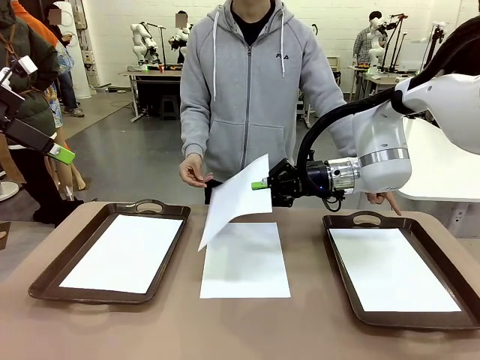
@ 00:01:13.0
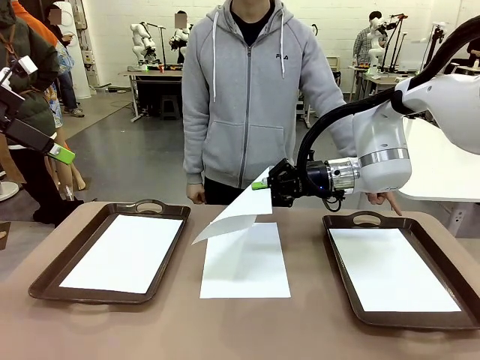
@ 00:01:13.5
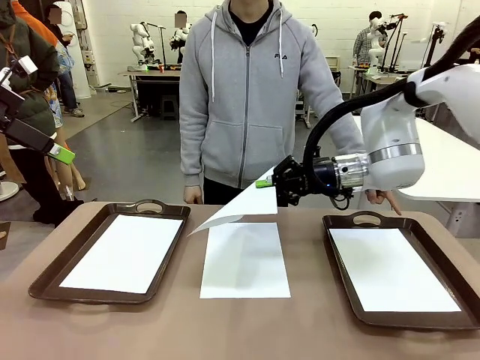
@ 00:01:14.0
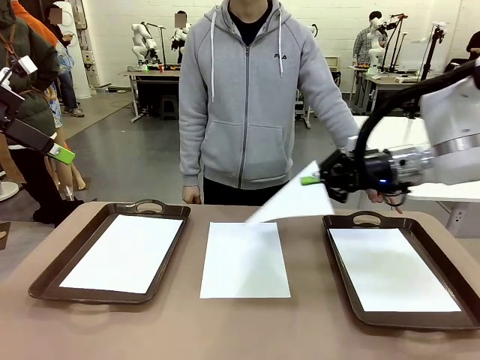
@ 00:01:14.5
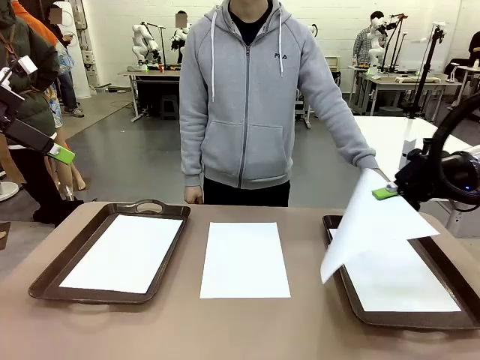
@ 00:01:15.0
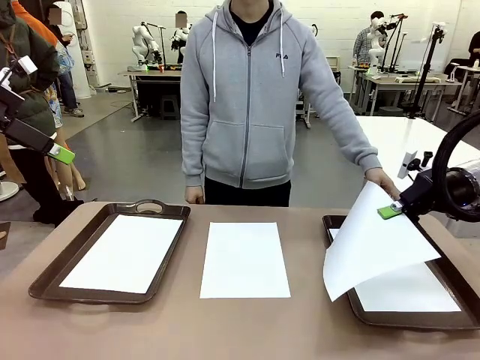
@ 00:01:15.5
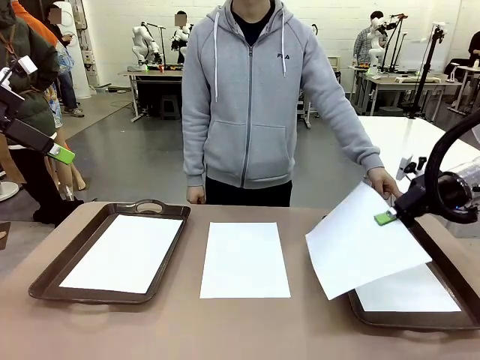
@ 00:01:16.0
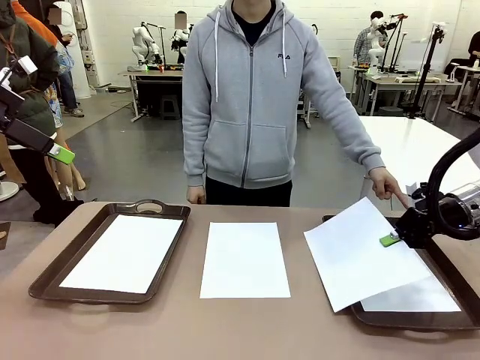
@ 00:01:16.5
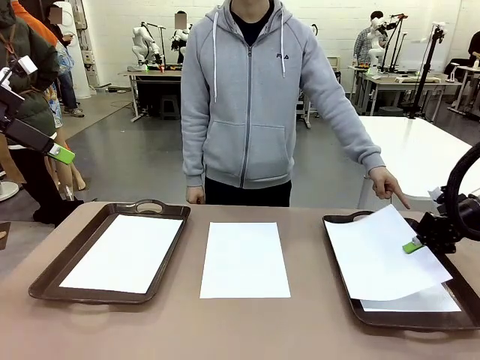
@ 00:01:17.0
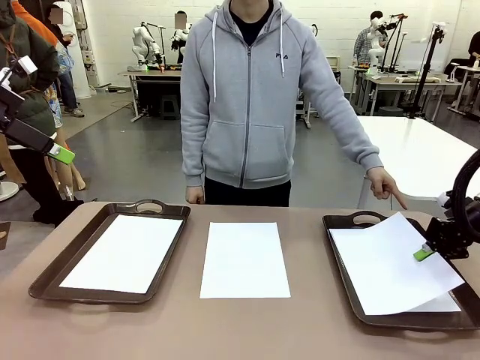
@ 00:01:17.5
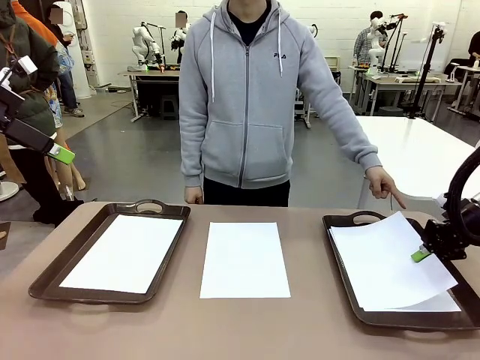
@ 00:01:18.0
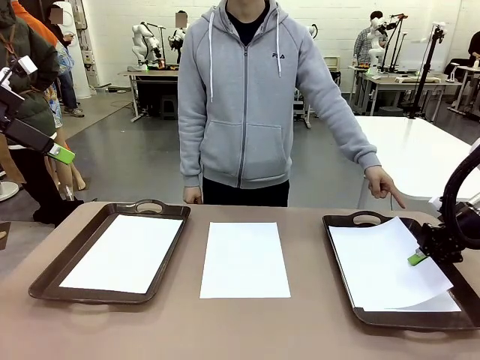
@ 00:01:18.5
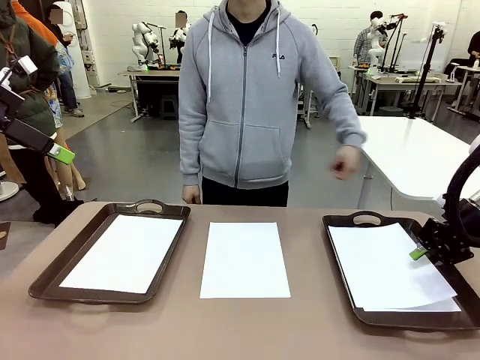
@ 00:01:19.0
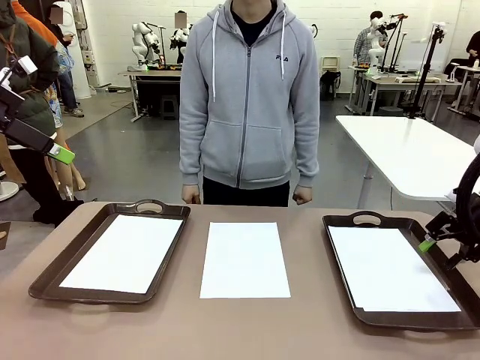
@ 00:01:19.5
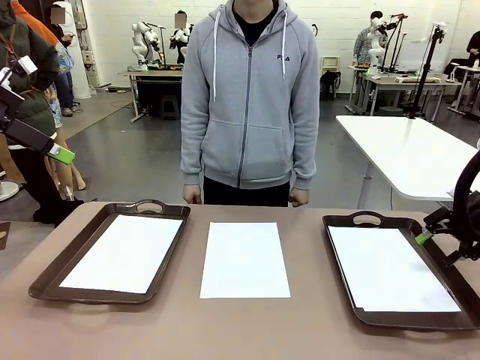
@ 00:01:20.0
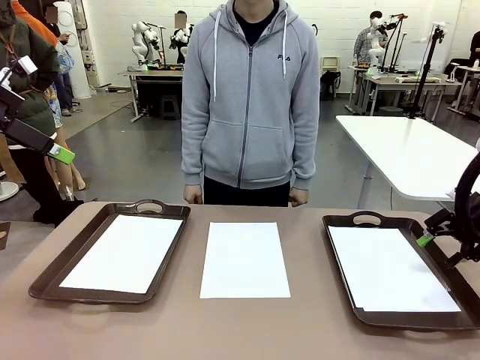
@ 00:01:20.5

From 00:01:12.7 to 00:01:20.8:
Task: Sort the A4 documents.
Robot: Place the A4 Paper in the designated Handle tray.

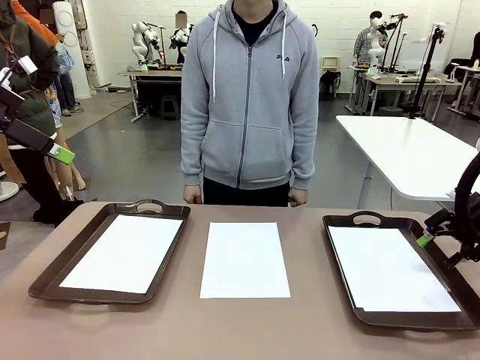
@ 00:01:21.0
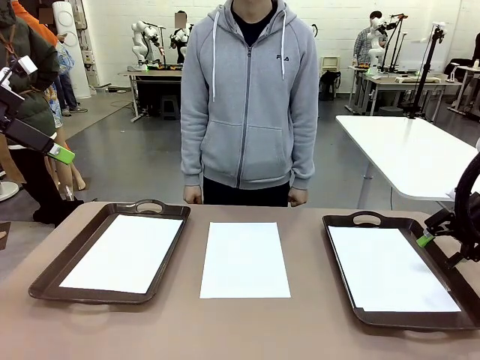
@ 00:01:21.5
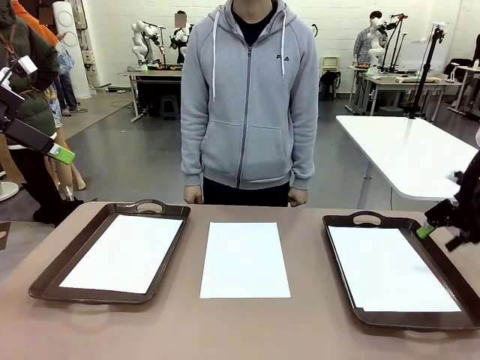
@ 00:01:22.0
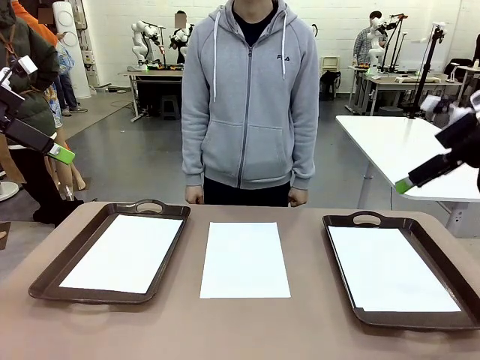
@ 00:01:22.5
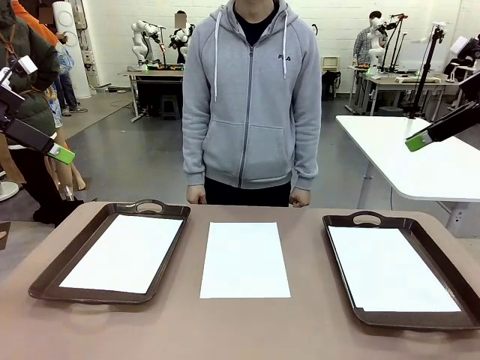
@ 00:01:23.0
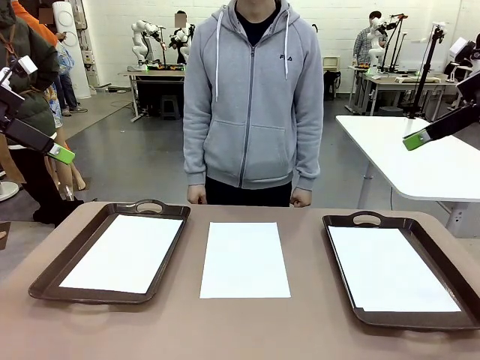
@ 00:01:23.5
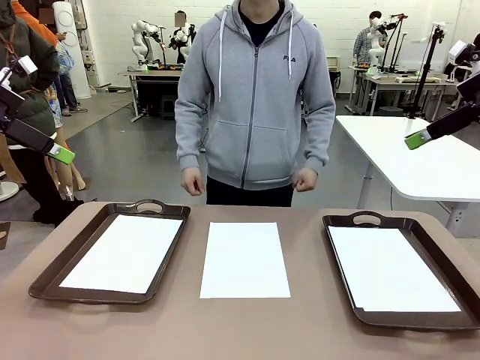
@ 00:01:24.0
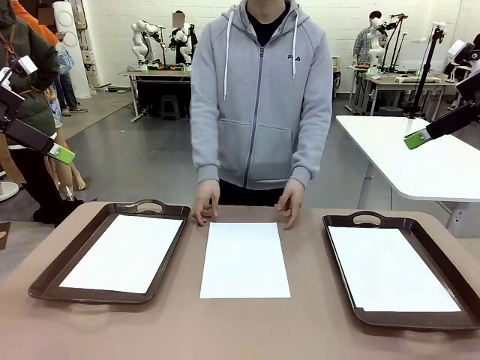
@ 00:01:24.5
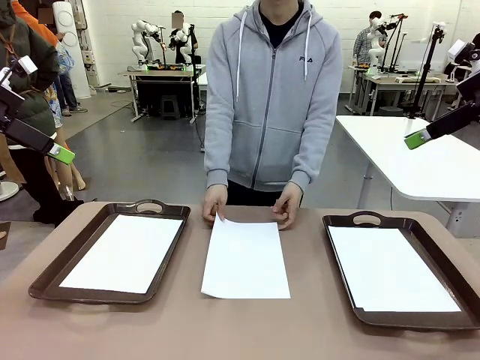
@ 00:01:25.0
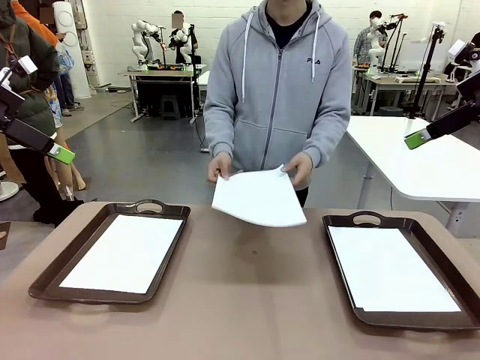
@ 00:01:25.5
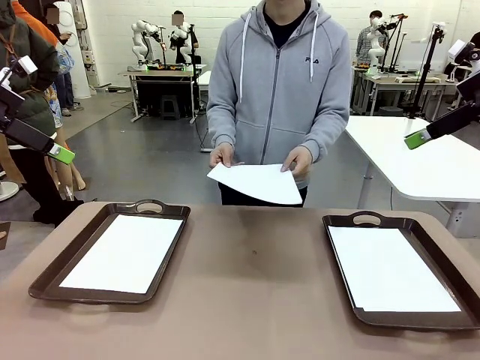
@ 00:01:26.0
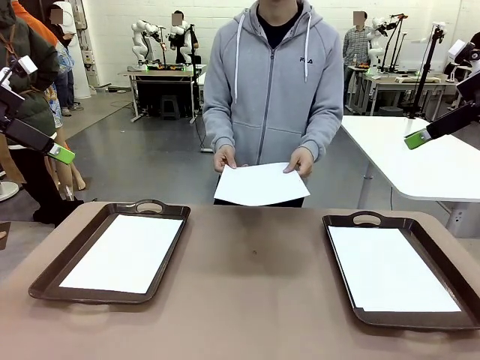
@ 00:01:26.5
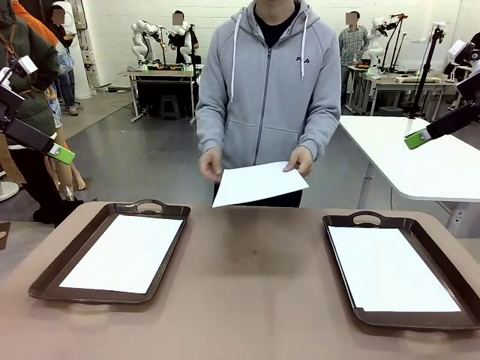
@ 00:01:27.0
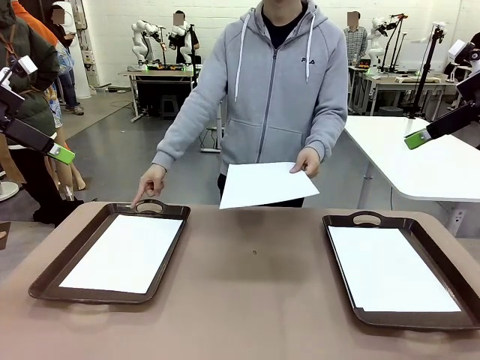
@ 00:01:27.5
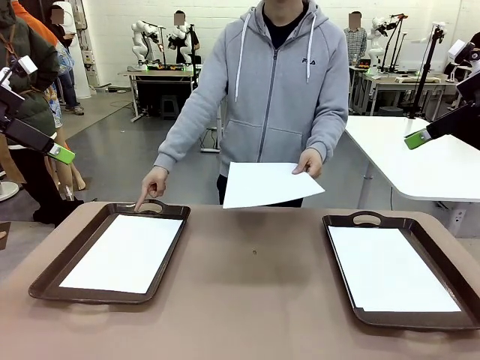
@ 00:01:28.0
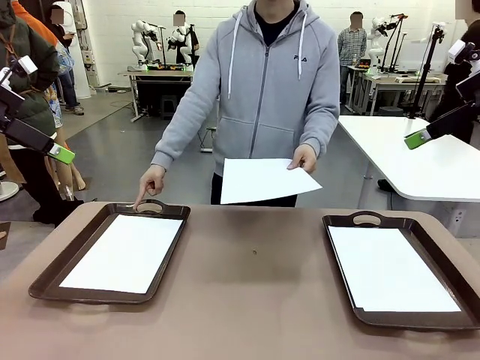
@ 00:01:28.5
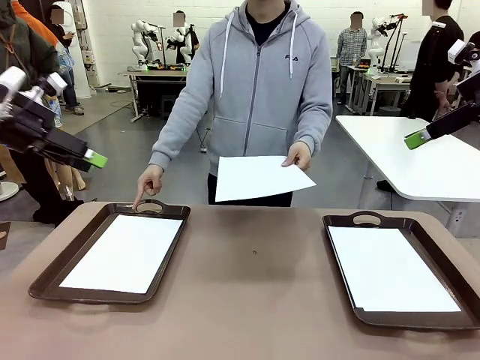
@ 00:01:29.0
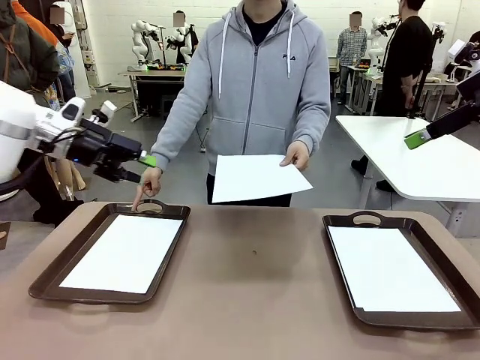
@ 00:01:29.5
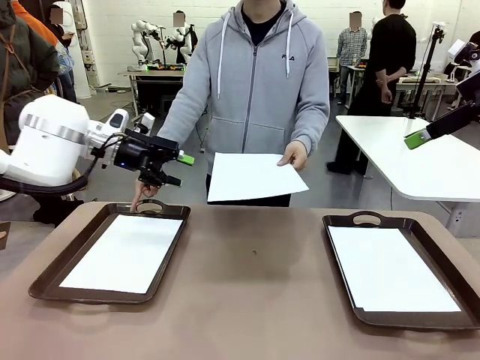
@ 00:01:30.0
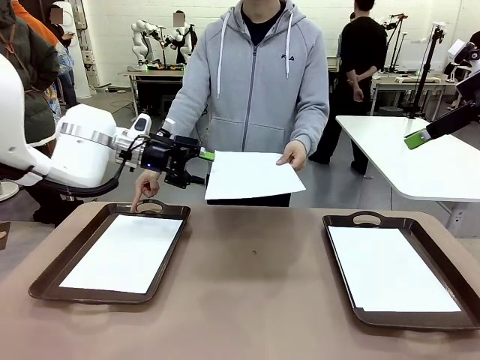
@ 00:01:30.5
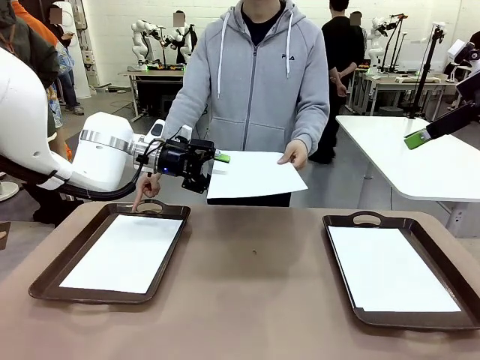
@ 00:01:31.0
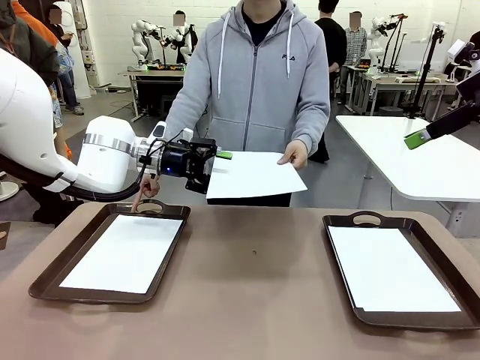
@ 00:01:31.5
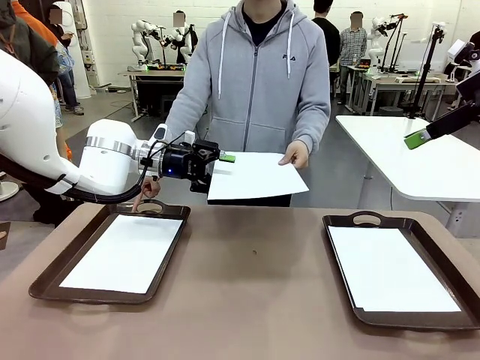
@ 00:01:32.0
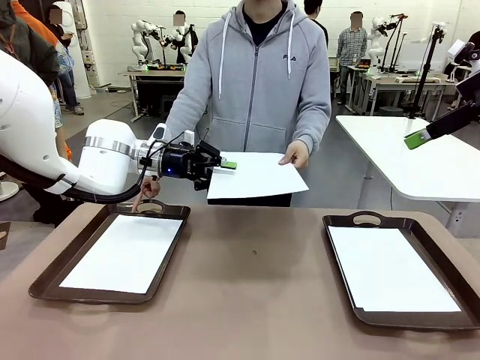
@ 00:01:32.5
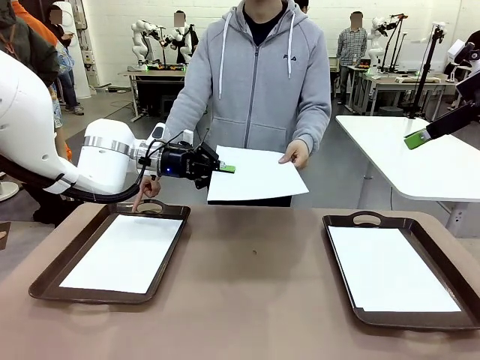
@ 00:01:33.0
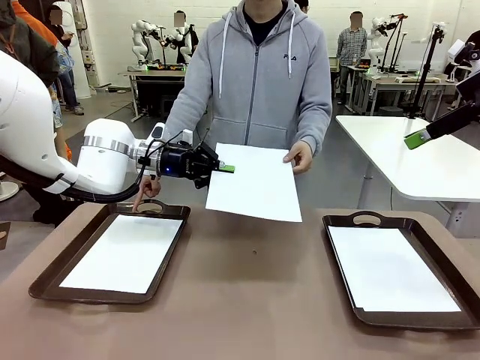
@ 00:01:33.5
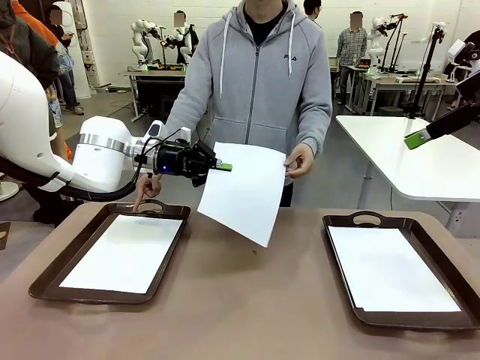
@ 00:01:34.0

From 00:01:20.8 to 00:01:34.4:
Robot: Receive the A4 Paper.
Person: Point the randomly selected tray with the other hand.

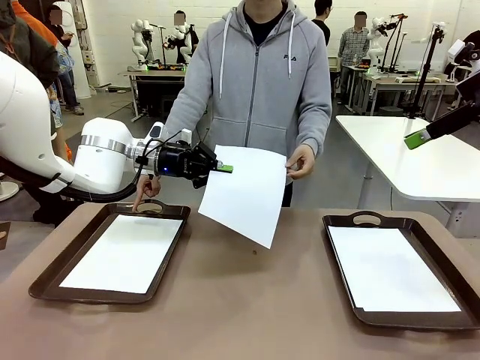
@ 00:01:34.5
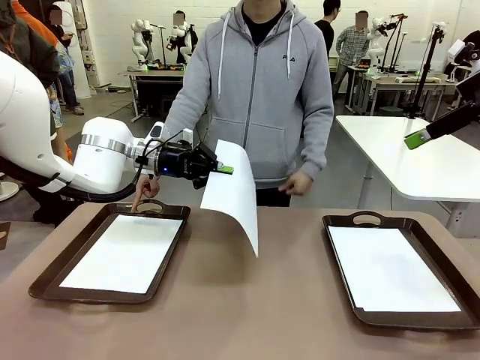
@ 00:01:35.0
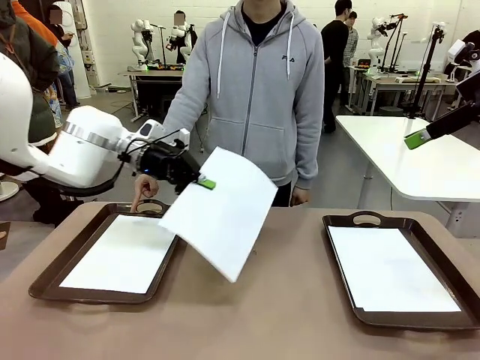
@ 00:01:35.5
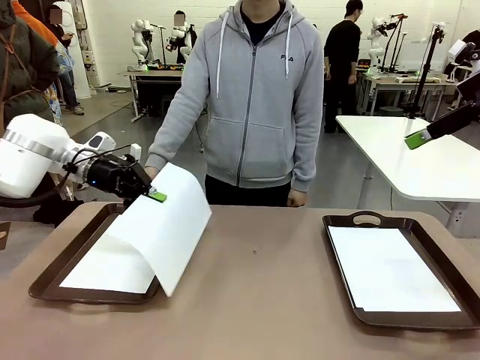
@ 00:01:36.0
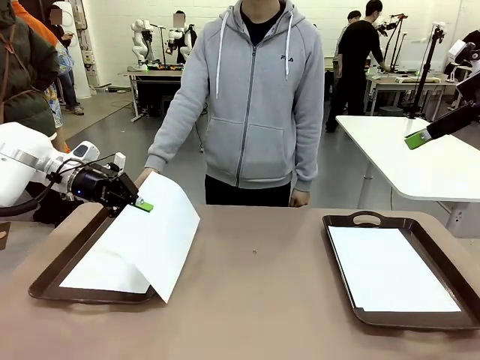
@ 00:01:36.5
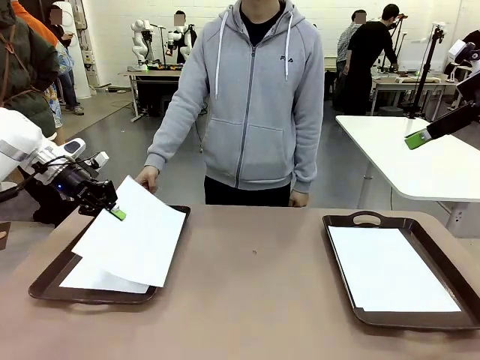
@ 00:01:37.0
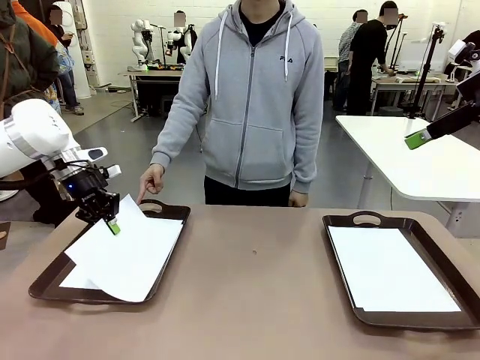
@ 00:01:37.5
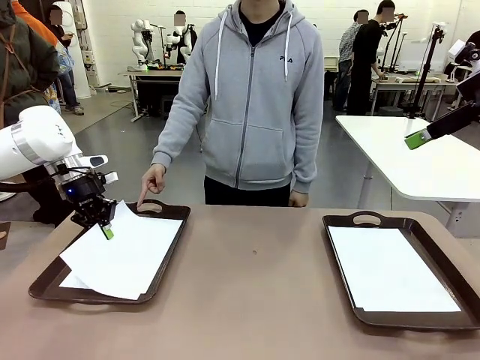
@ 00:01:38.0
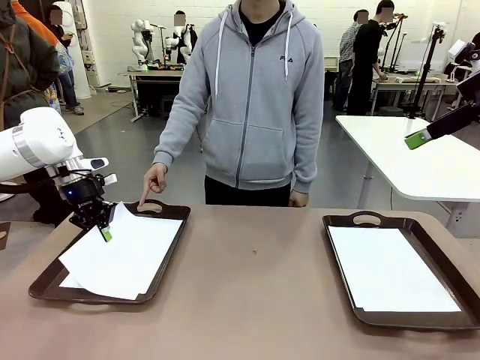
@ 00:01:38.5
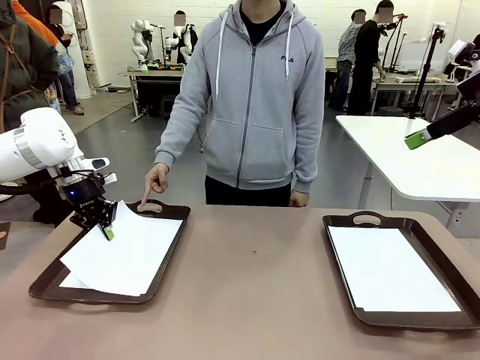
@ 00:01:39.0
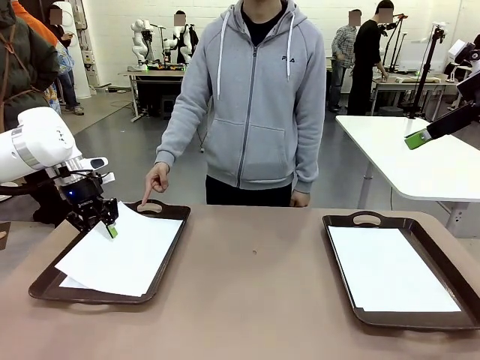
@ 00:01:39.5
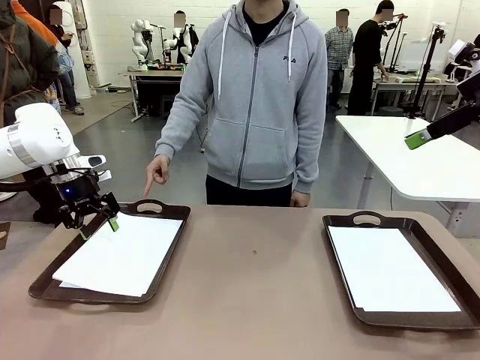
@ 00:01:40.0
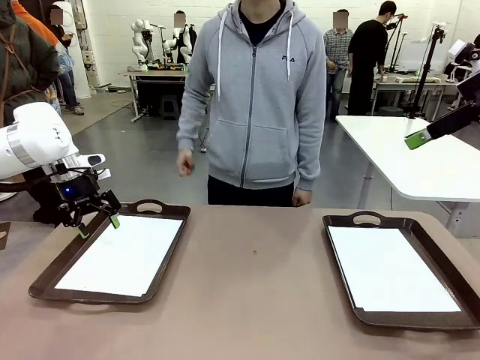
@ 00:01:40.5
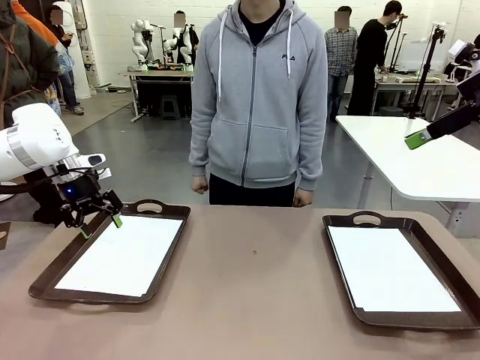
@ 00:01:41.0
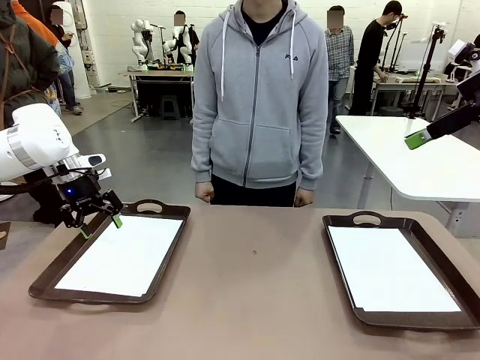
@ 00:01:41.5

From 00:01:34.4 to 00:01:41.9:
Robot: Place the A4 Paper in the designated Handle tray.
